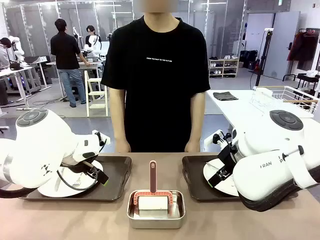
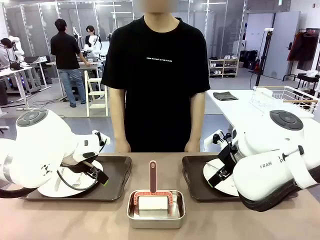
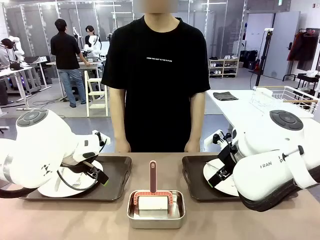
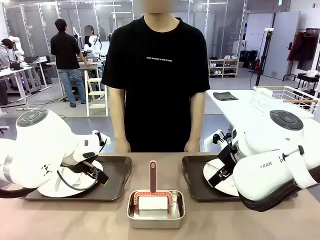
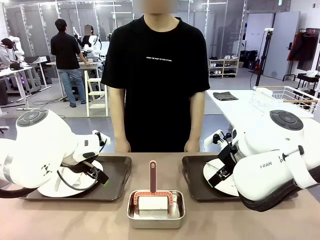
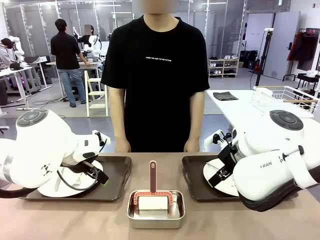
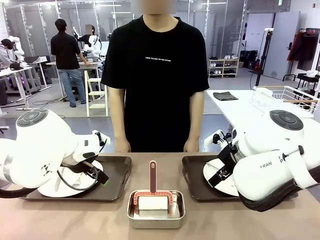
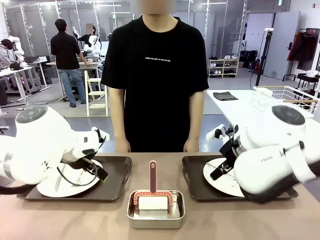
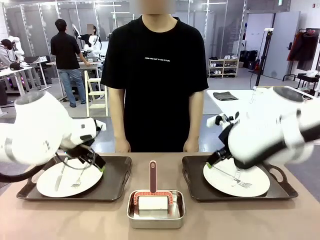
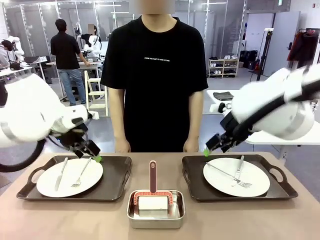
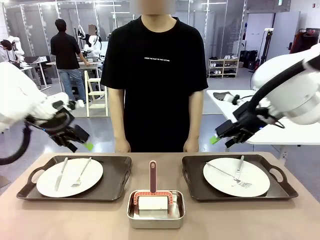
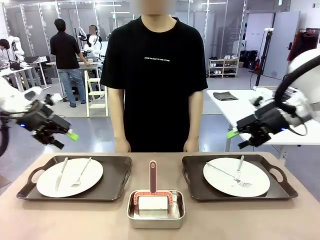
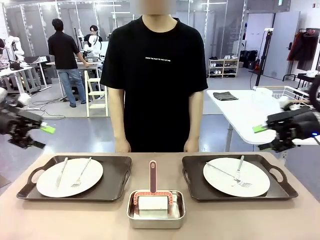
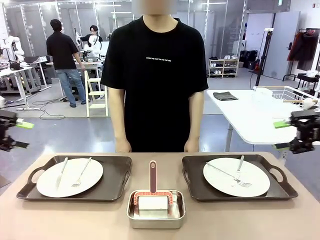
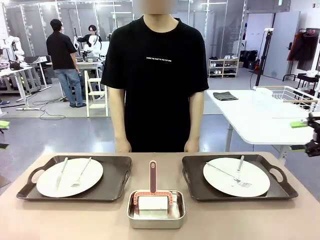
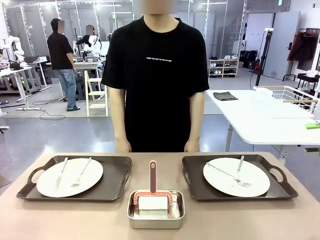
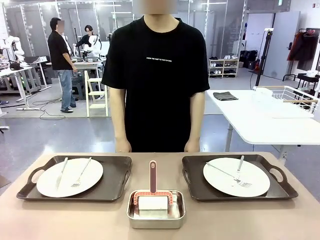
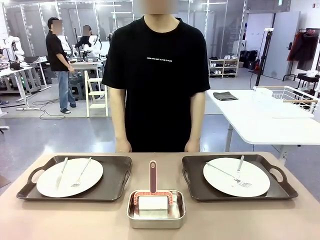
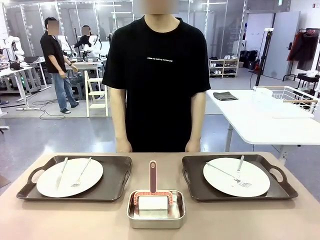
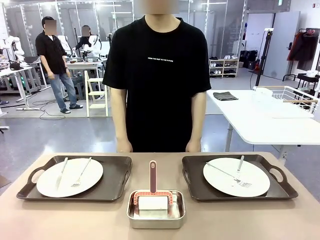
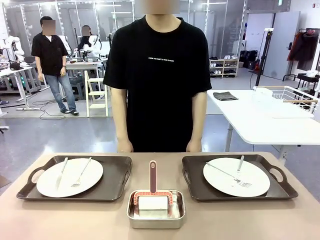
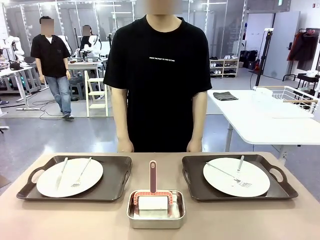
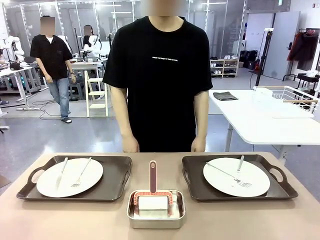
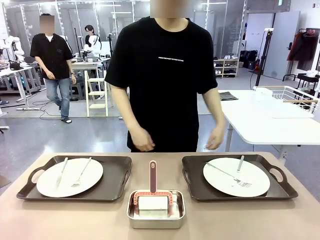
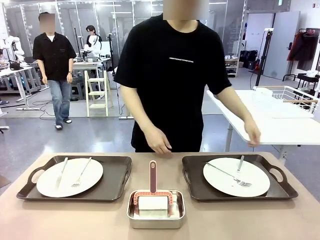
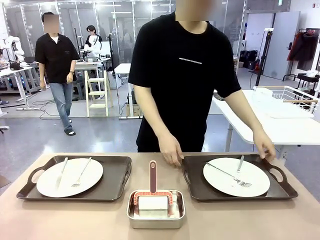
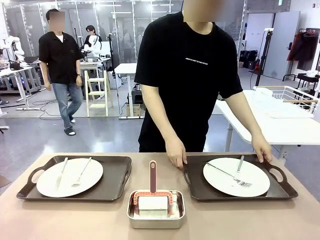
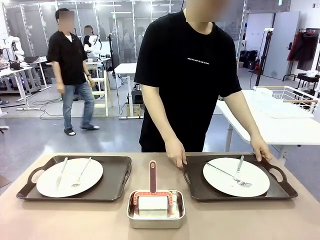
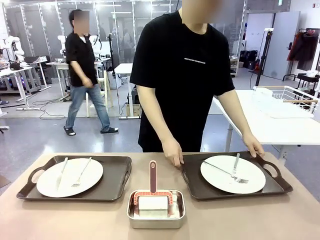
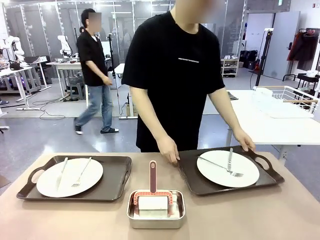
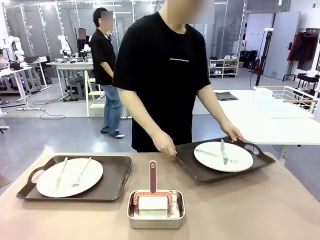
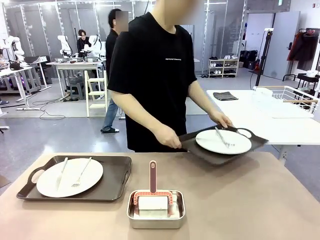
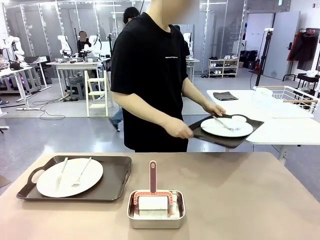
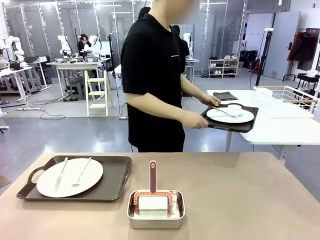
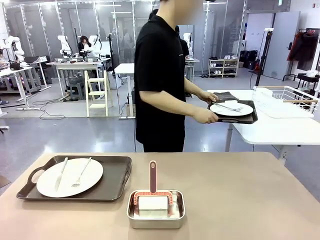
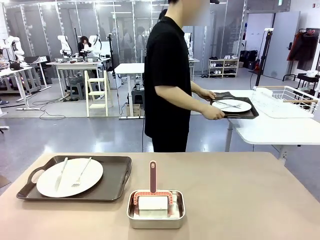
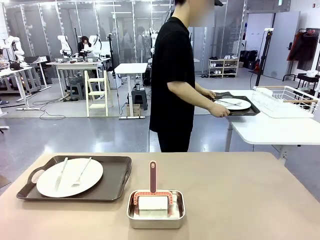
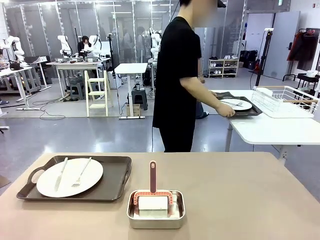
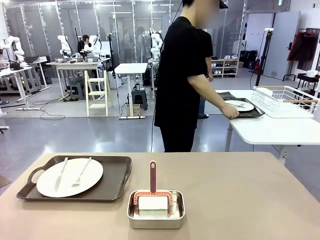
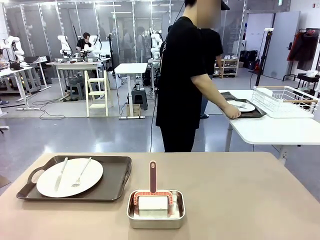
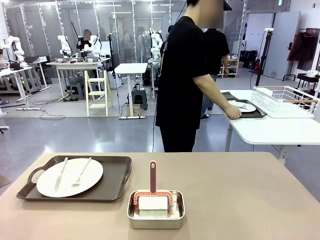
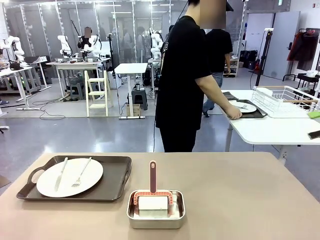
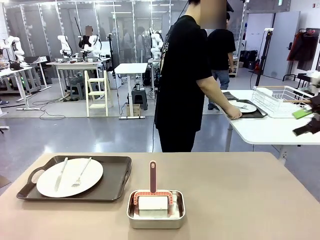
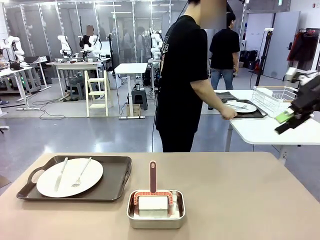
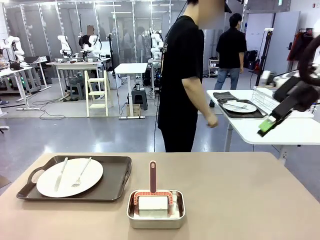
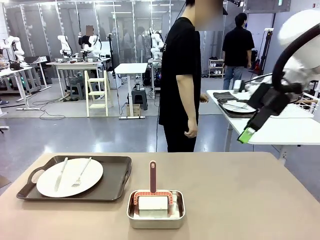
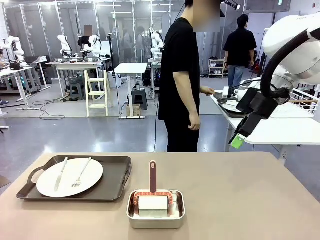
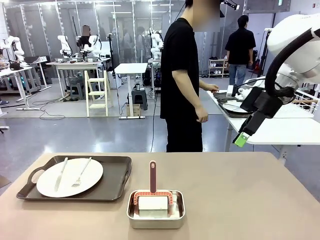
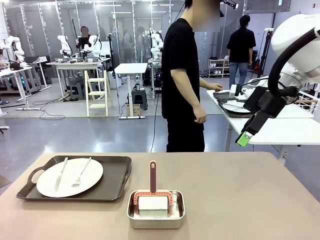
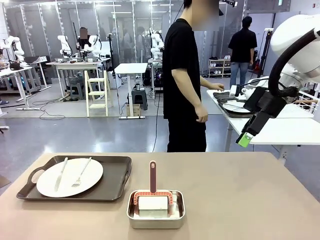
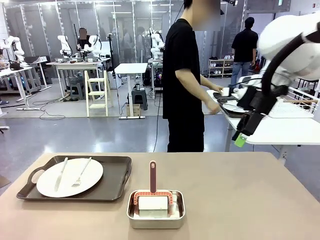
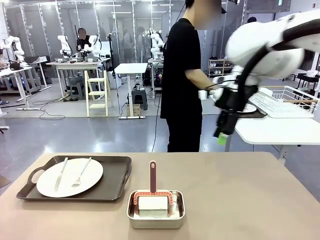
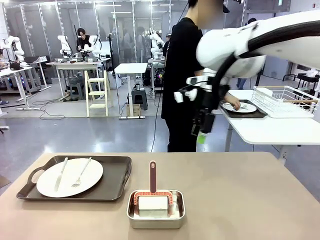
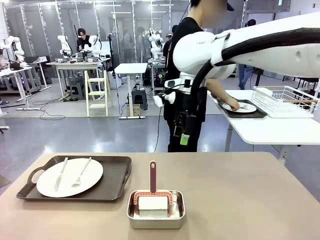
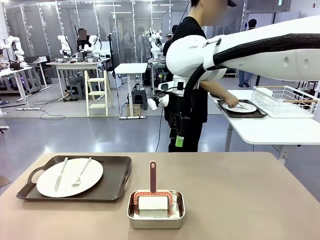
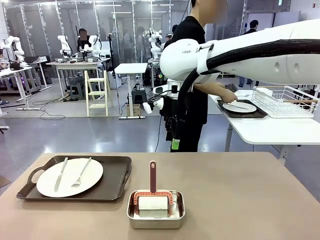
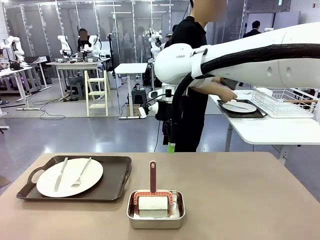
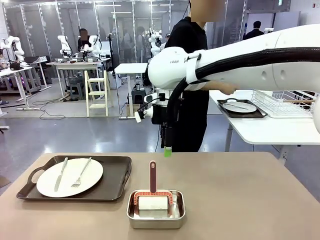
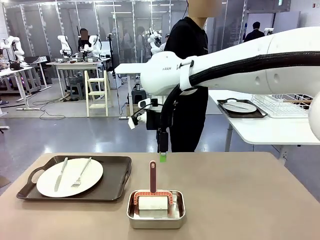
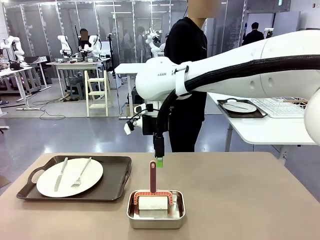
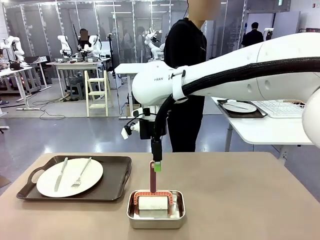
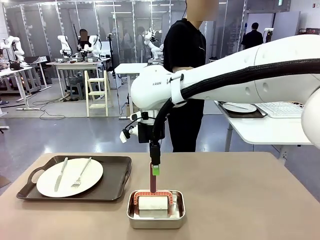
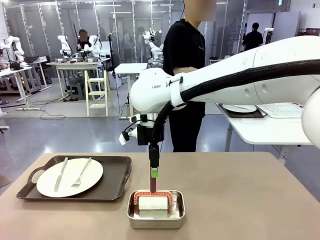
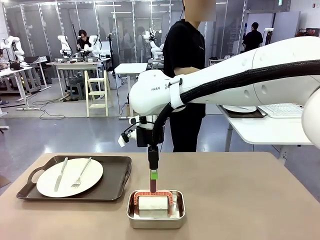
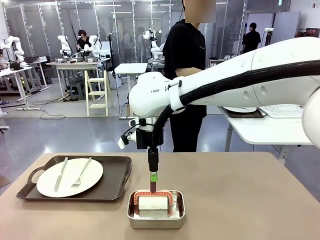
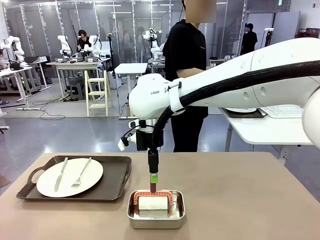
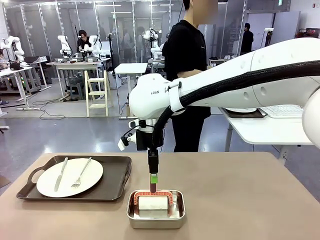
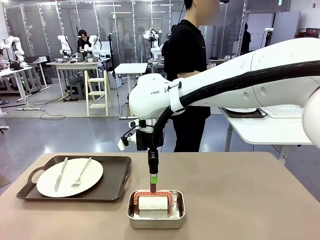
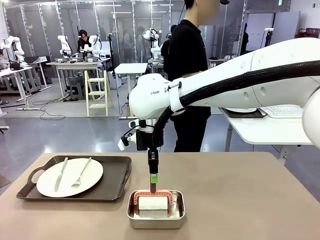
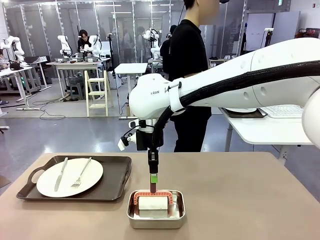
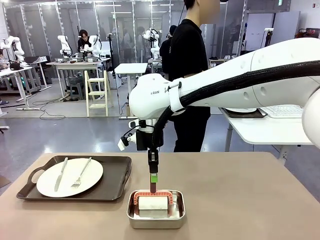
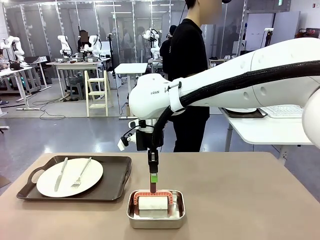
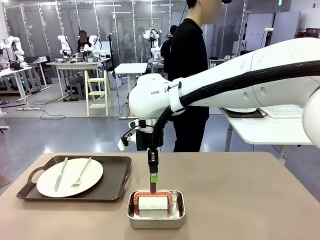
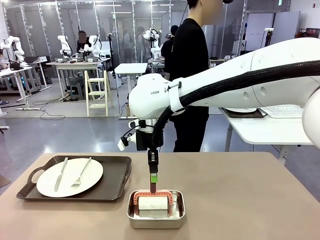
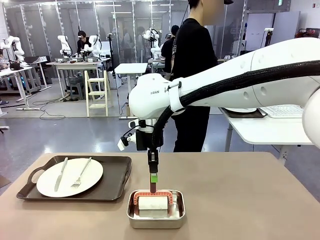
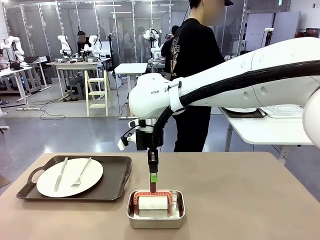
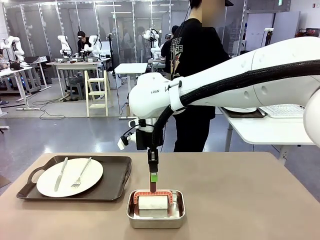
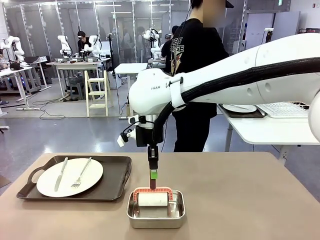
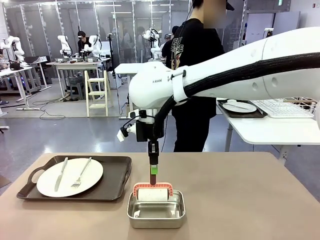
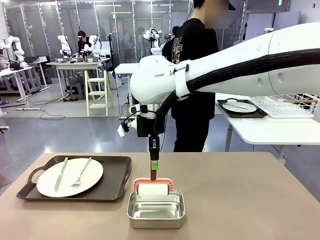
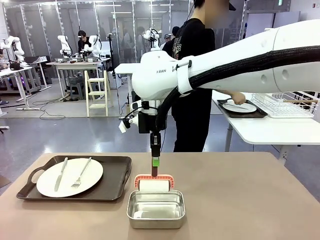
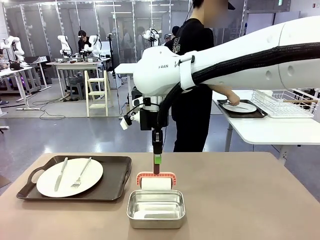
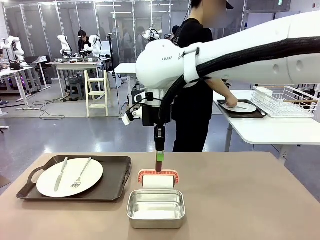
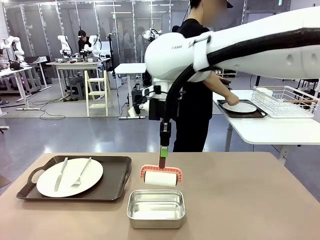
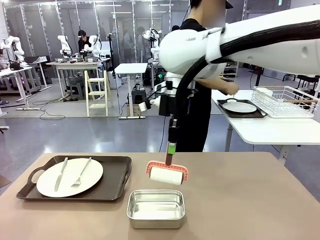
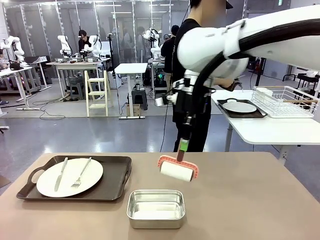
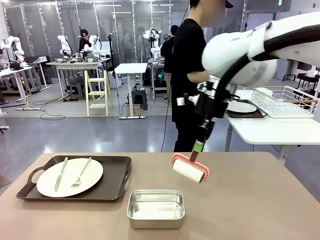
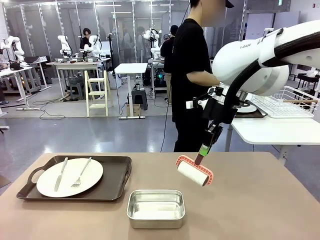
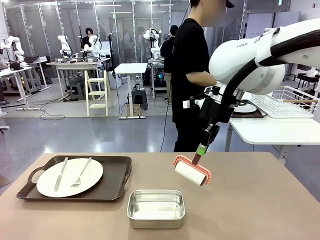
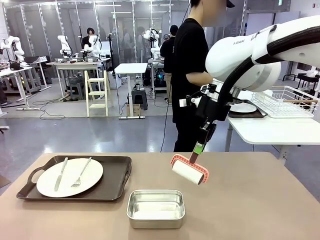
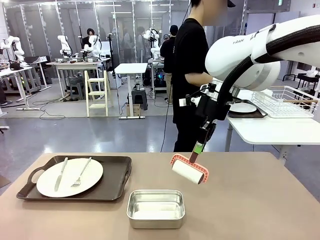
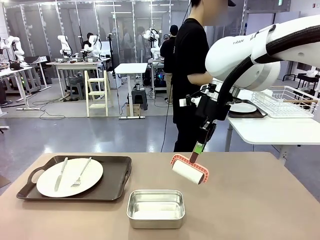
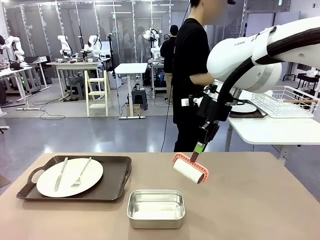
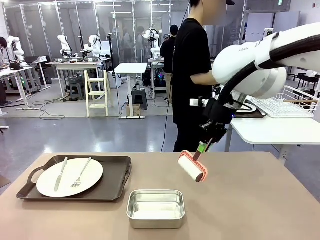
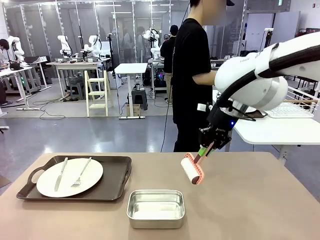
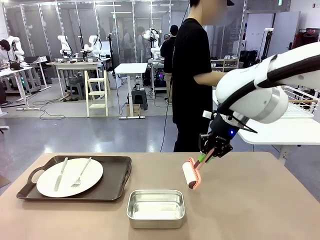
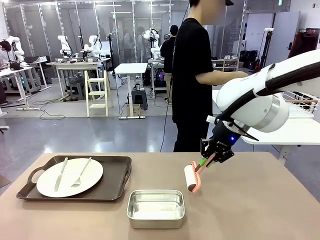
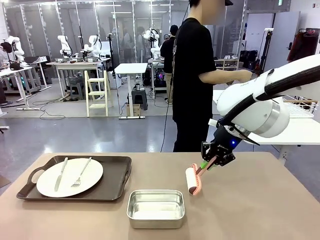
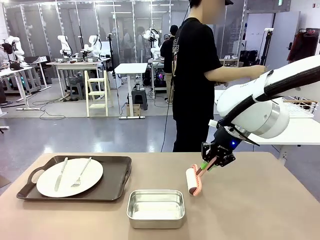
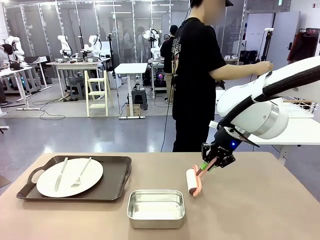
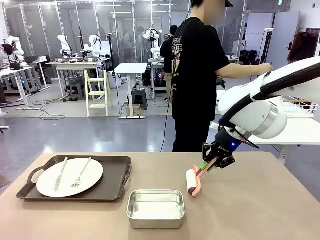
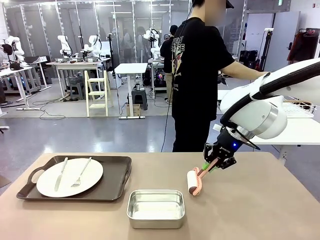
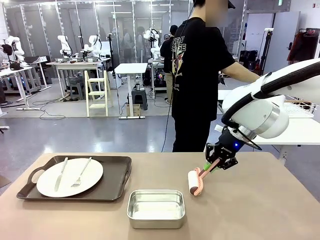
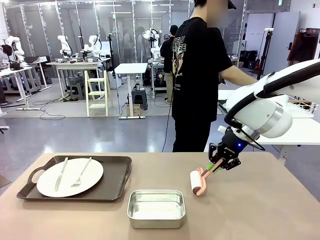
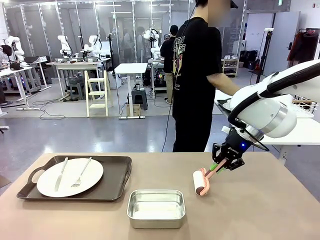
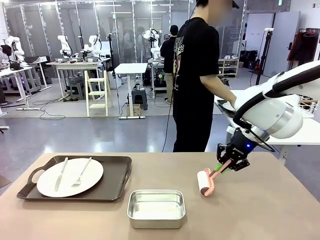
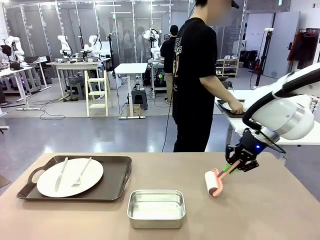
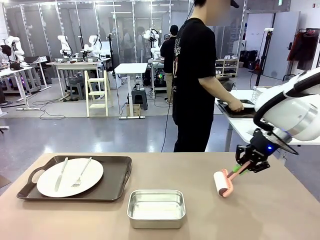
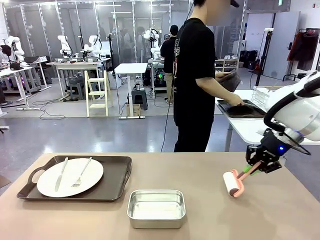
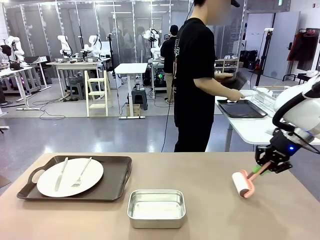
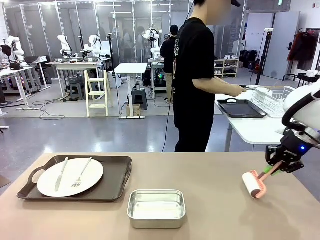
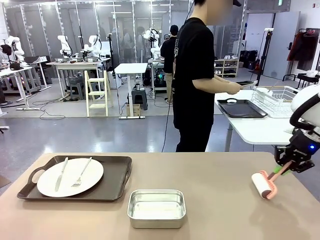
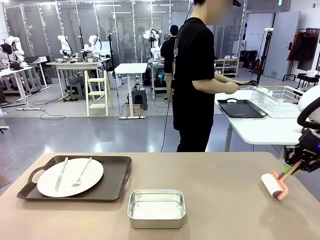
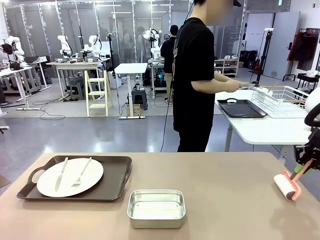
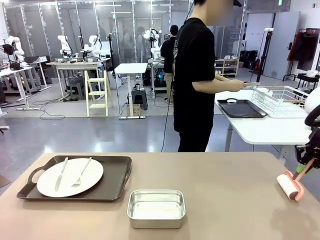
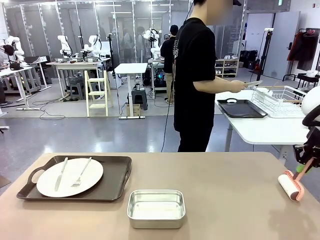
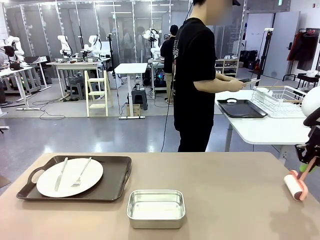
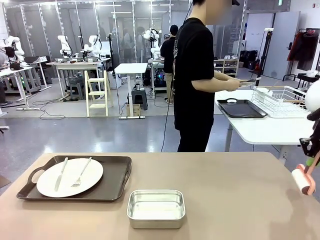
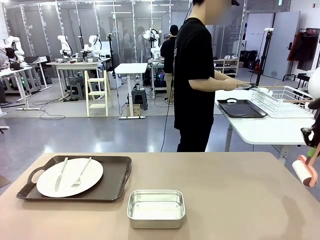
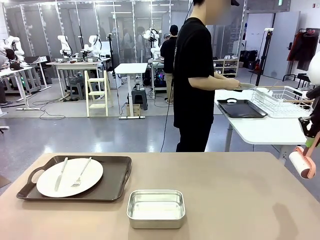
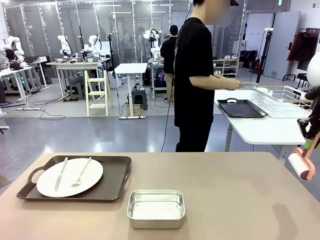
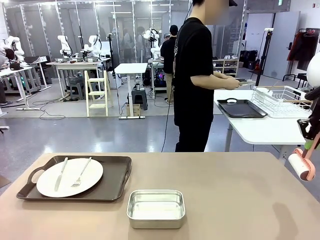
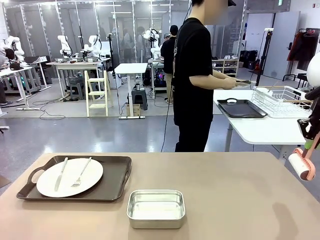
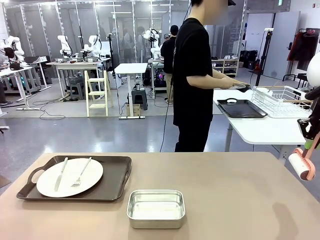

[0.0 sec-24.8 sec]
Robot: When the left (or right) Handle tray is removed, use the left hand (or right hand) to clean the left (or right) side of the table with the Lint Roller.
Person: Pick up the left (or right) Handle tray and place it on the middle of the Human's table. Use the Towel with hook to wipe the Plastic Matte Plate , Fork , and Knife and place into the Dish drying rack.
